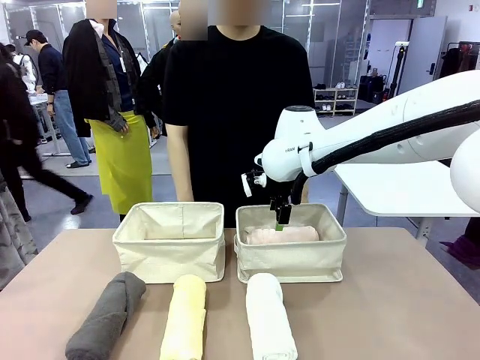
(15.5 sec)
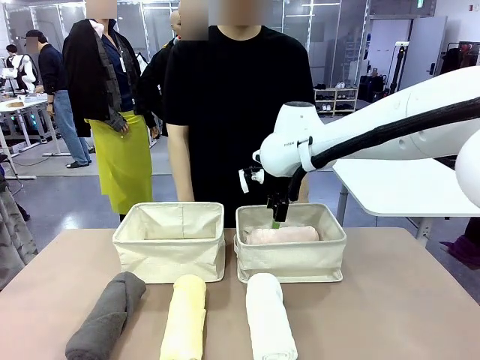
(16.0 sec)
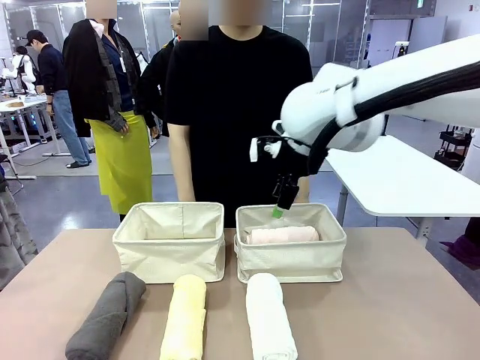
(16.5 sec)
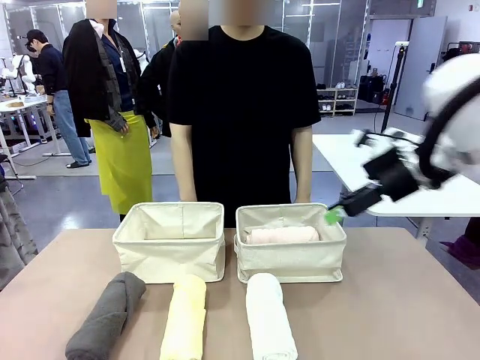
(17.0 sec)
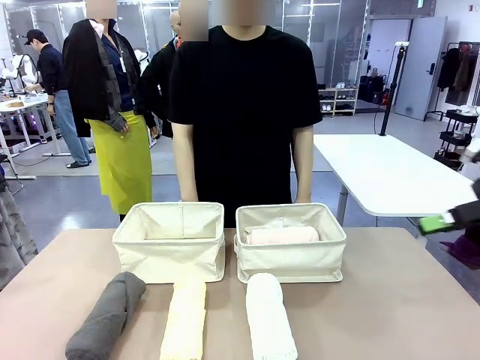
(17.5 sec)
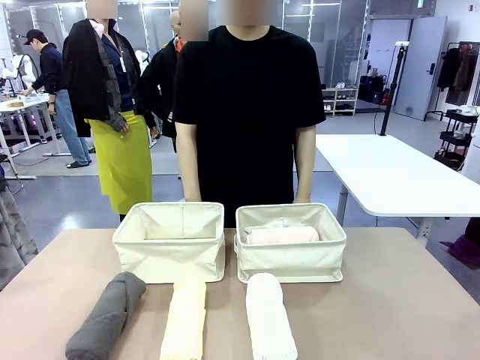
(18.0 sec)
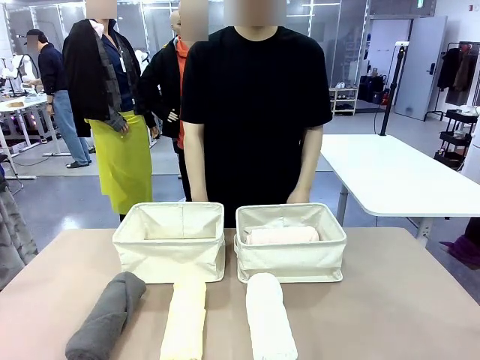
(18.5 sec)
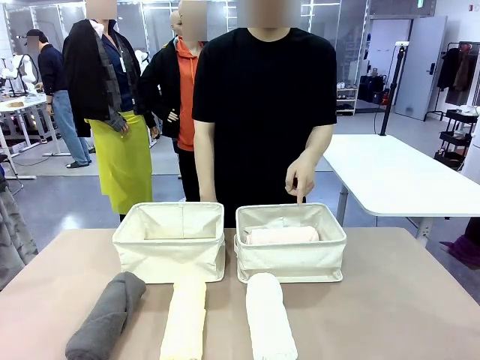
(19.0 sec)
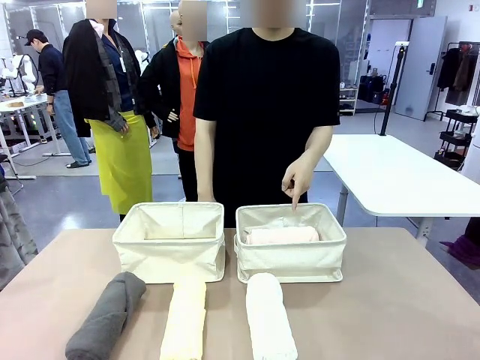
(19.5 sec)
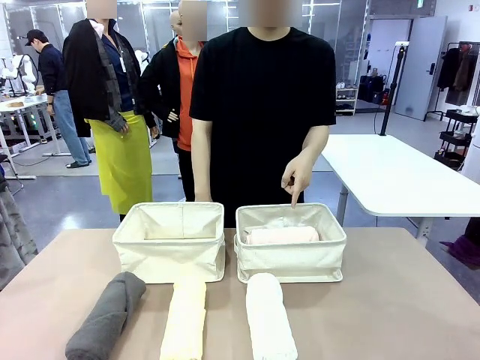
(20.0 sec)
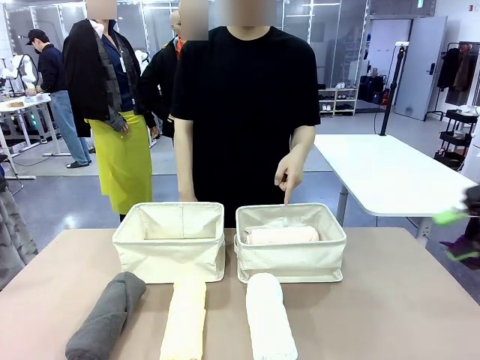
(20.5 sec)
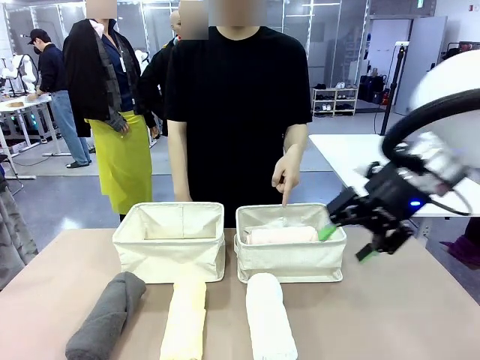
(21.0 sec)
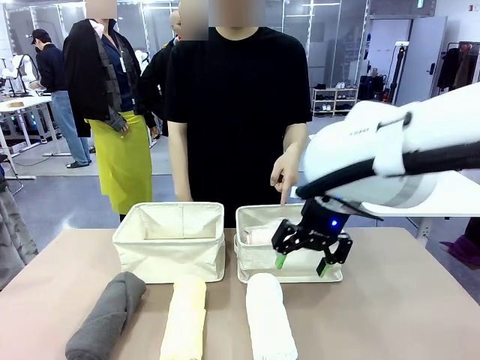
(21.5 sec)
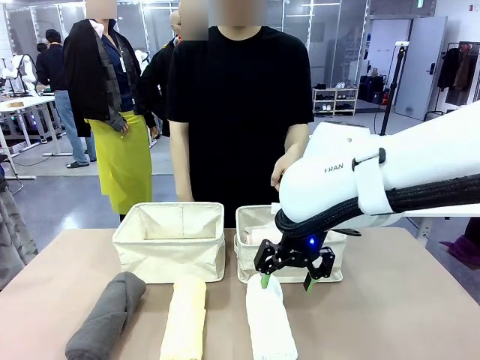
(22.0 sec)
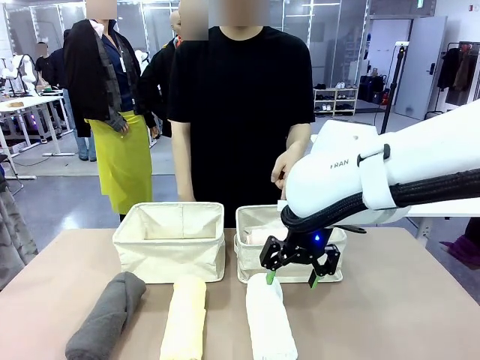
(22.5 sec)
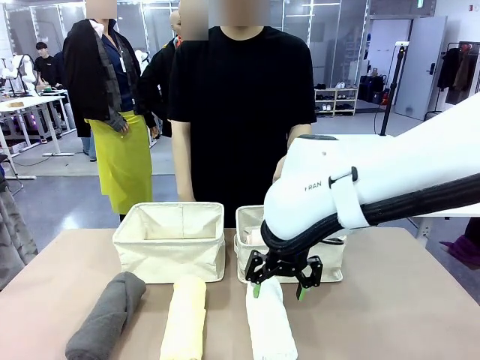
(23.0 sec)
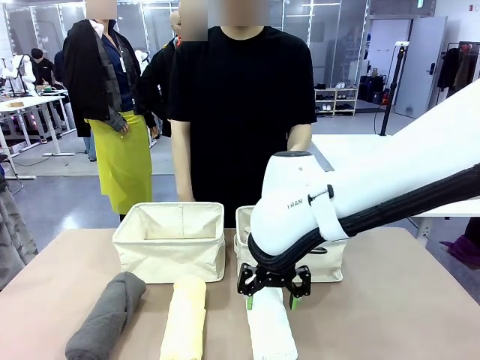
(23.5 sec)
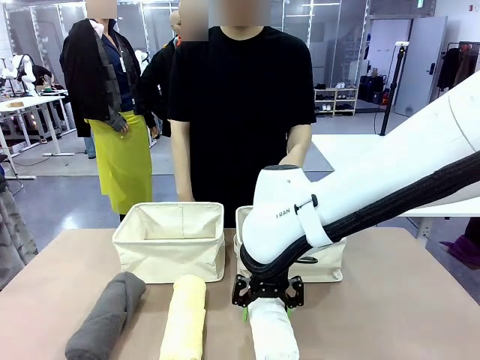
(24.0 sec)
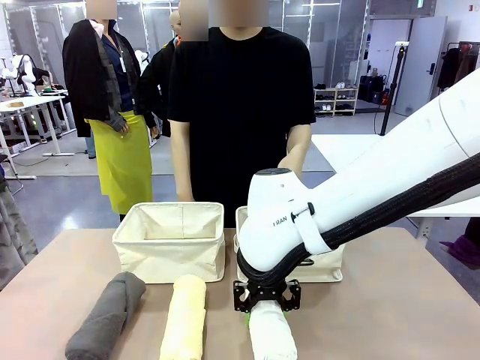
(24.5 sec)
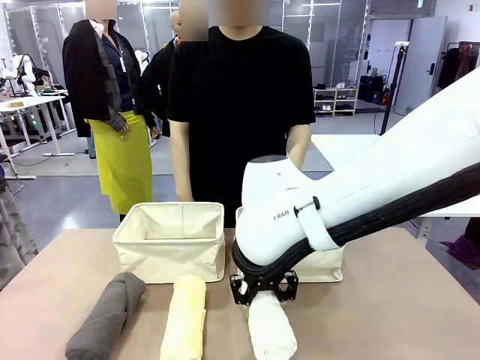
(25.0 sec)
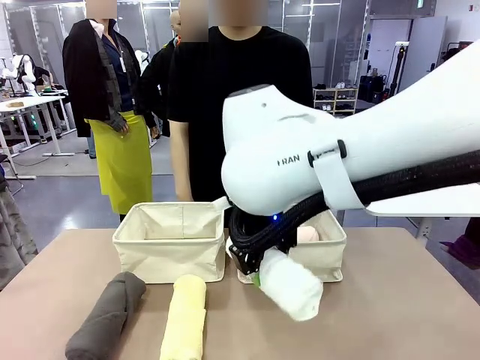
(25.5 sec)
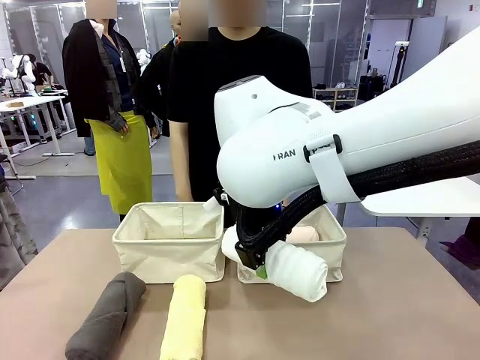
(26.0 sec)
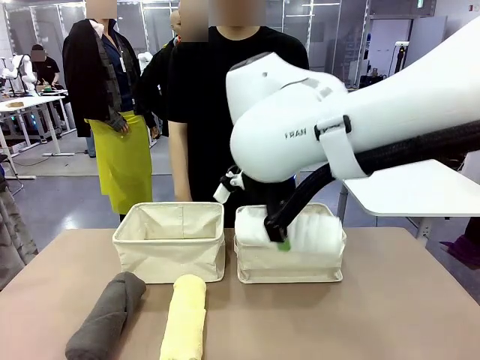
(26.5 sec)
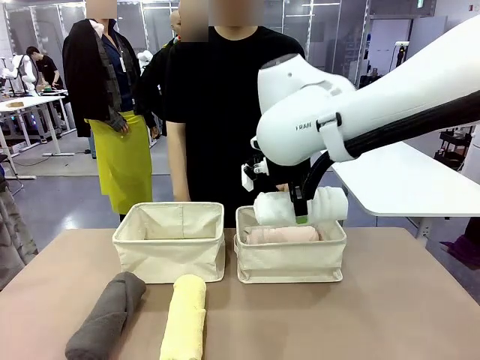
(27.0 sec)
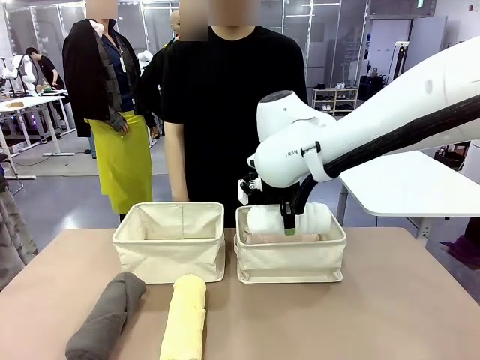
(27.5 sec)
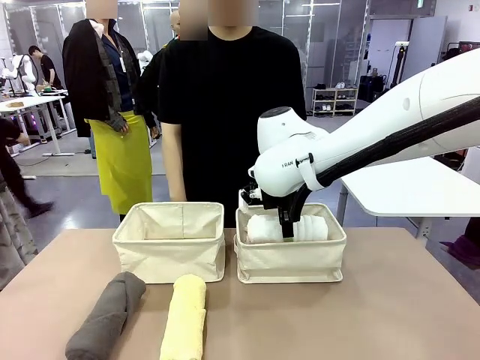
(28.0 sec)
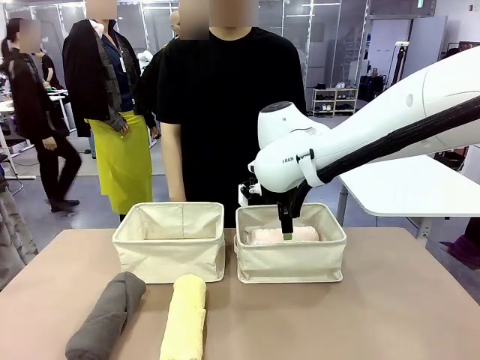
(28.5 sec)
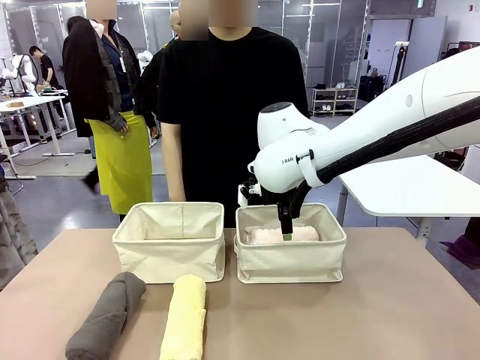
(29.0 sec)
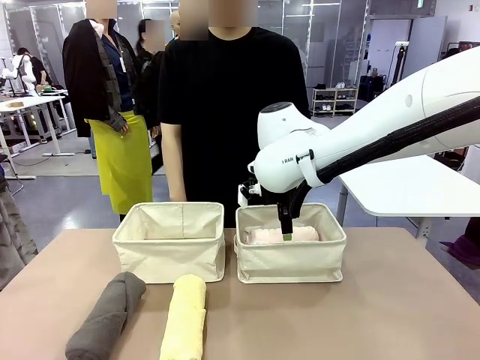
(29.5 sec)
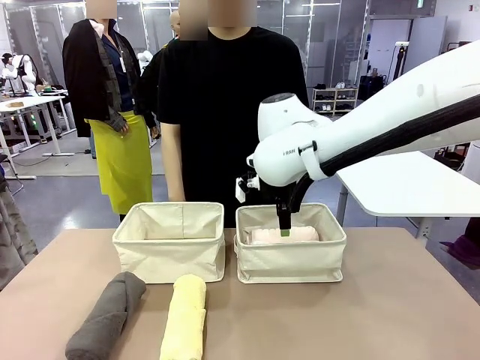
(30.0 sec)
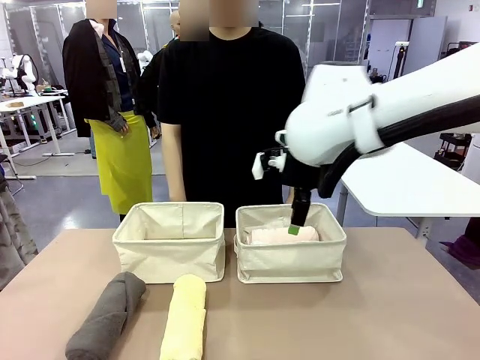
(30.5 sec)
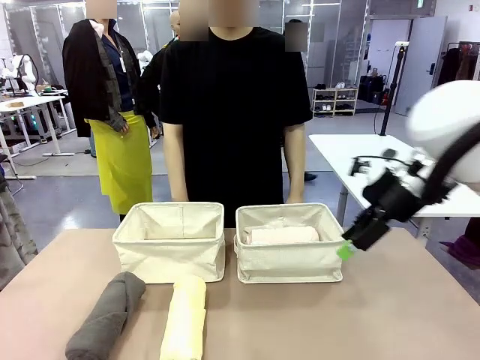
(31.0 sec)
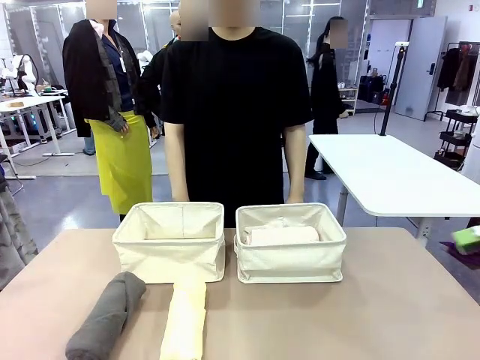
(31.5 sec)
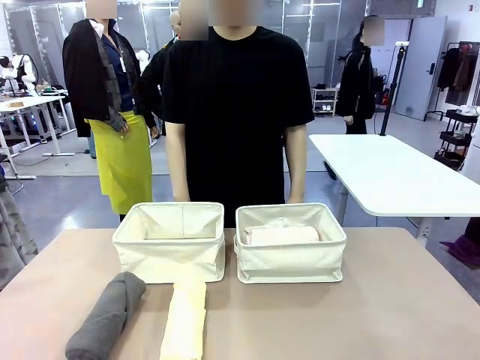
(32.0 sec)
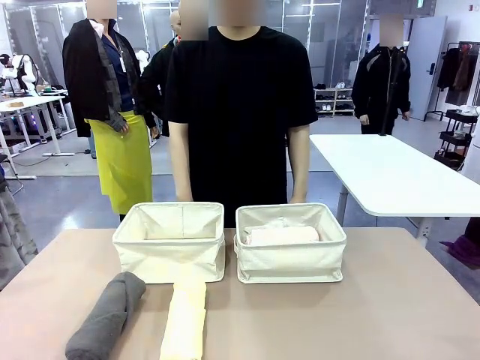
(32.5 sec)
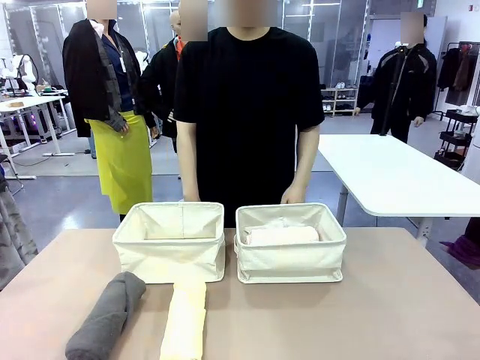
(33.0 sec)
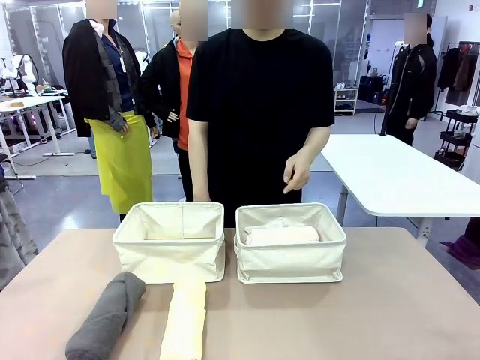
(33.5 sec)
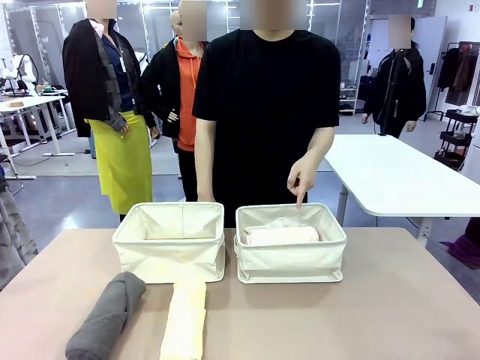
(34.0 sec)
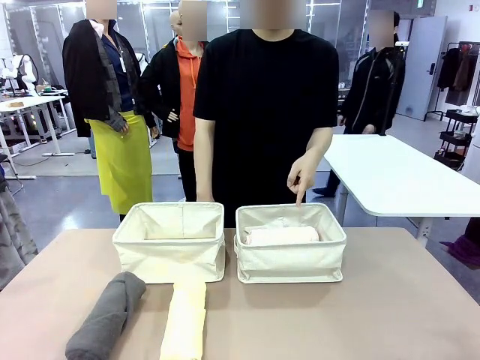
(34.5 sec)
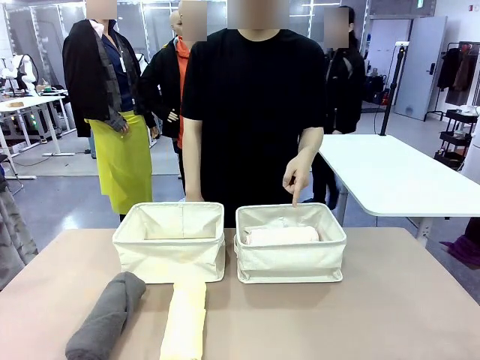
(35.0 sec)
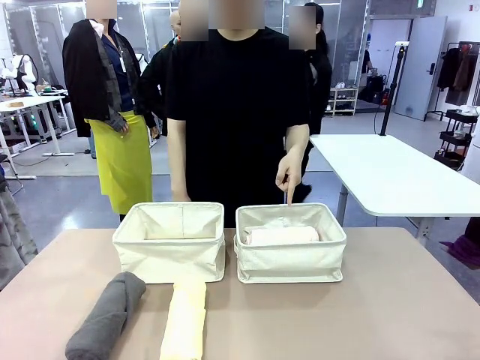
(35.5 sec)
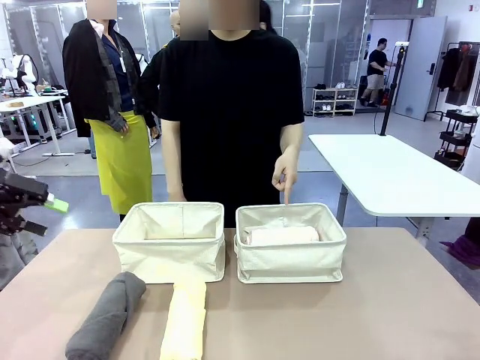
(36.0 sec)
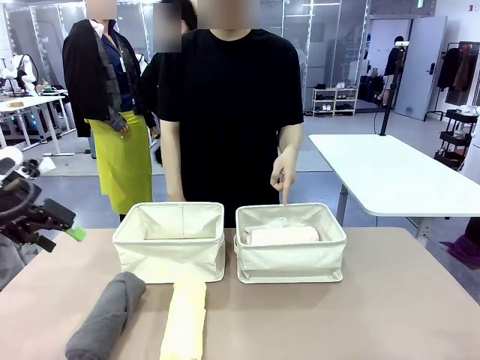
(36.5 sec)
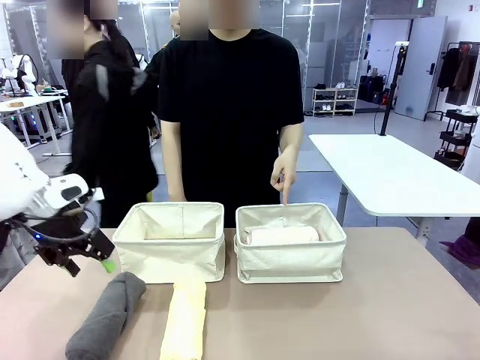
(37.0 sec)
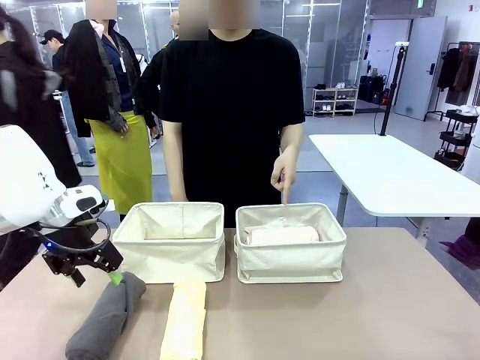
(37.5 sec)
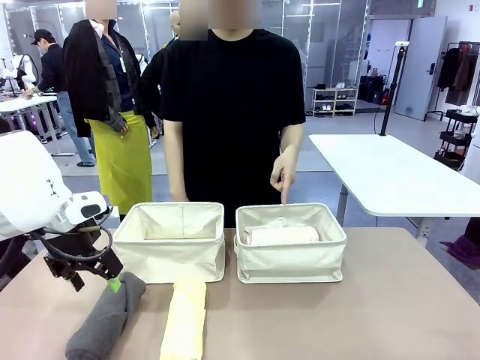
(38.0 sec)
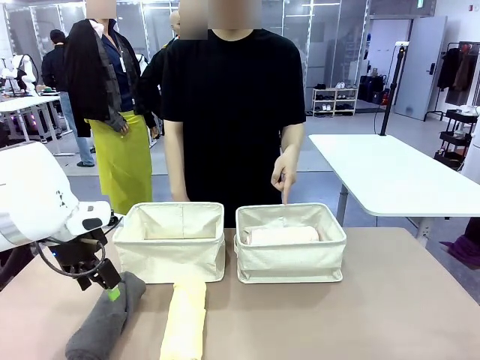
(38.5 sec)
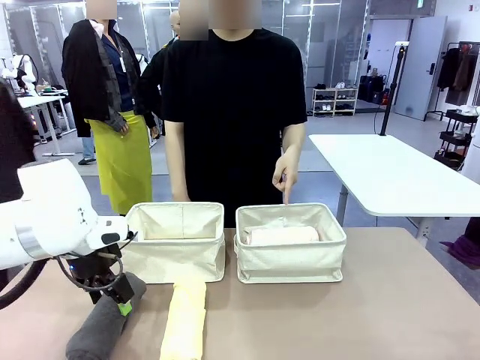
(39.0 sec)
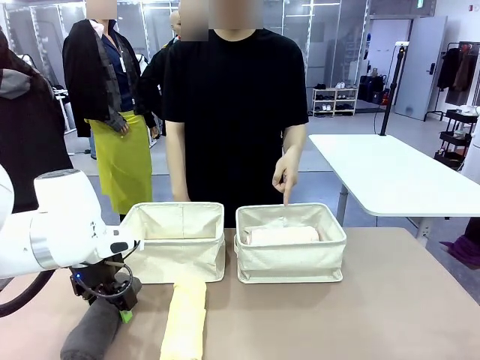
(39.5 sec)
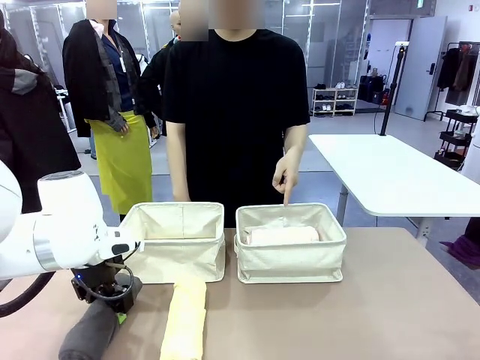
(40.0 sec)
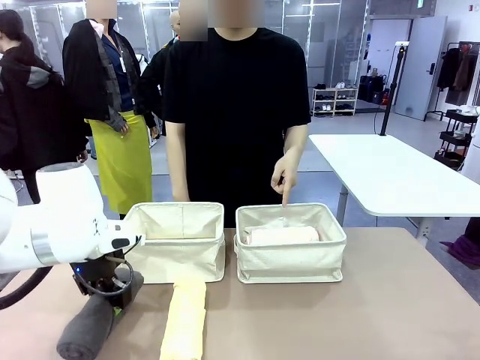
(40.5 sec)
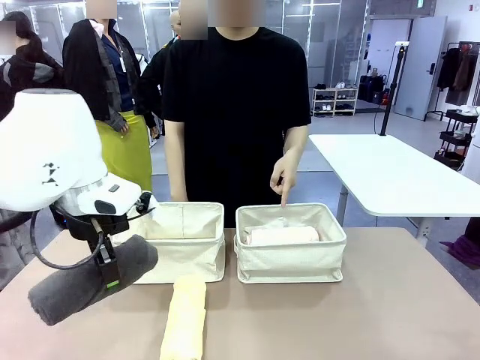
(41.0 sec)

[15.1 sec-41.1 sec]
Task: Divide the towels into two baskets.
Robot: Pick up one hotel-folded towel from the bottom of the table and place it in the Fabric basket indicated by the person.
